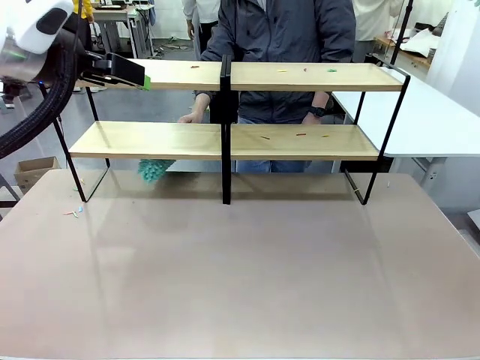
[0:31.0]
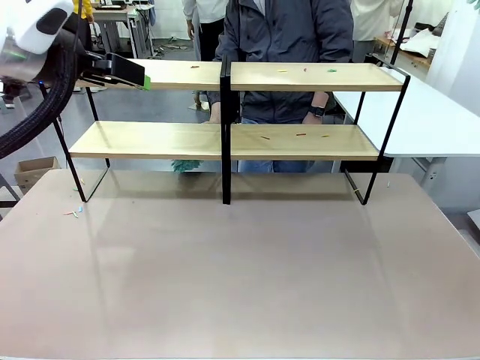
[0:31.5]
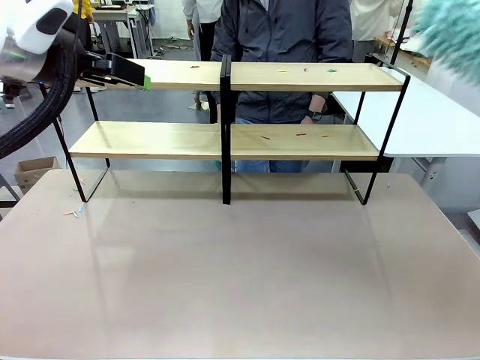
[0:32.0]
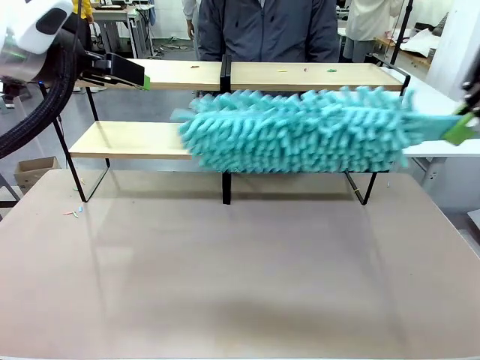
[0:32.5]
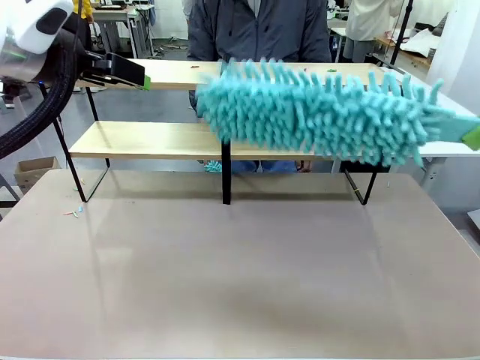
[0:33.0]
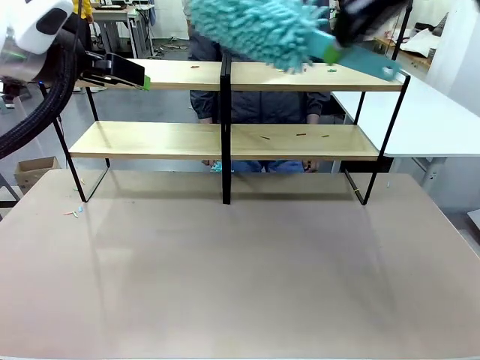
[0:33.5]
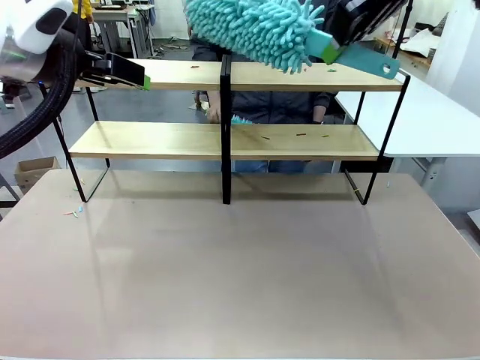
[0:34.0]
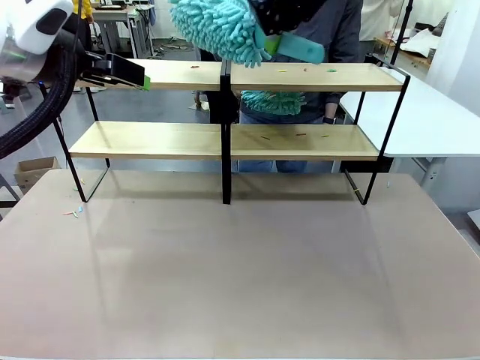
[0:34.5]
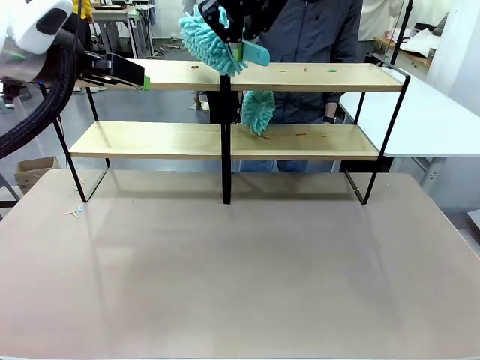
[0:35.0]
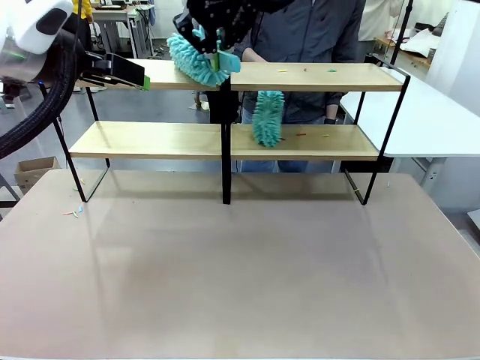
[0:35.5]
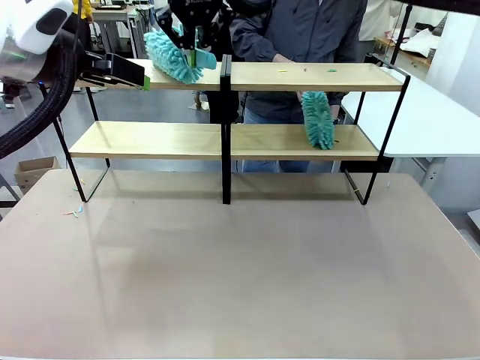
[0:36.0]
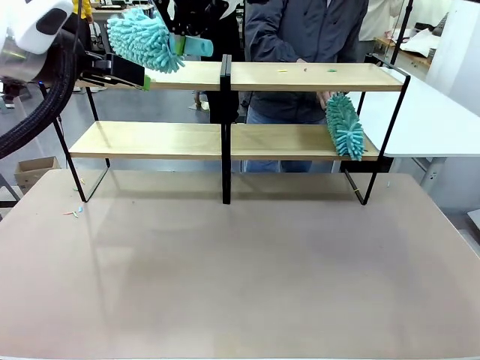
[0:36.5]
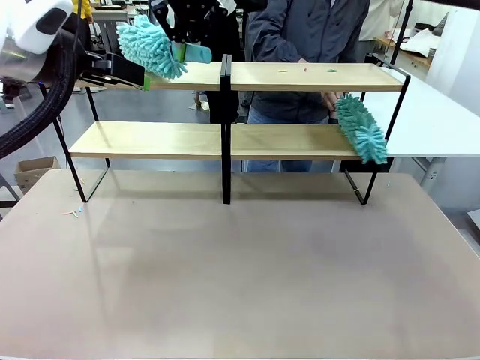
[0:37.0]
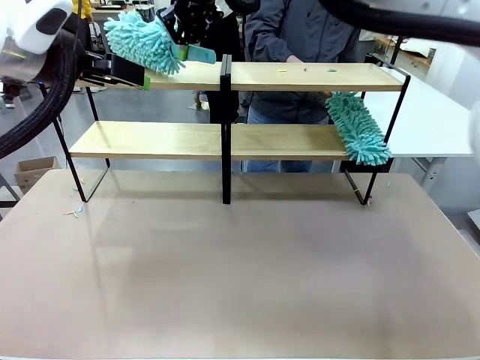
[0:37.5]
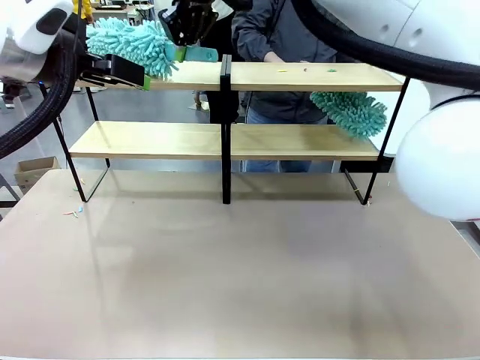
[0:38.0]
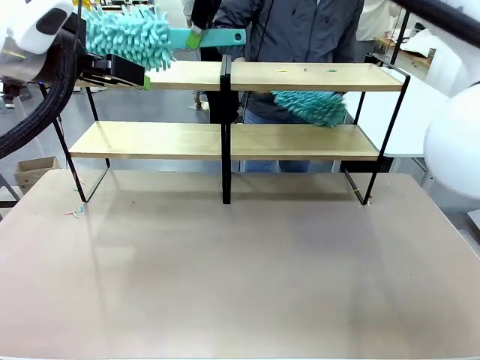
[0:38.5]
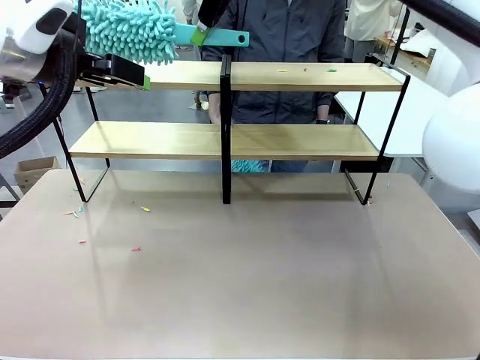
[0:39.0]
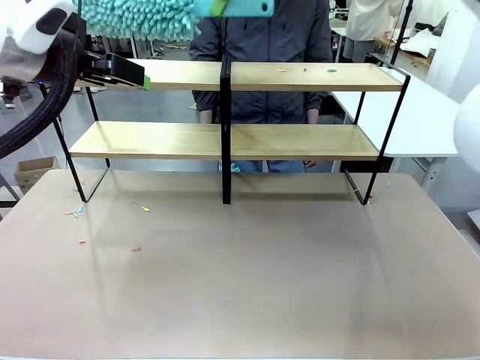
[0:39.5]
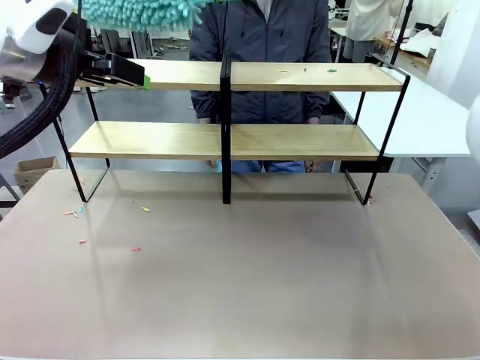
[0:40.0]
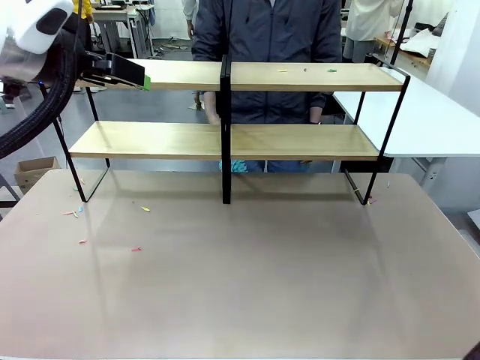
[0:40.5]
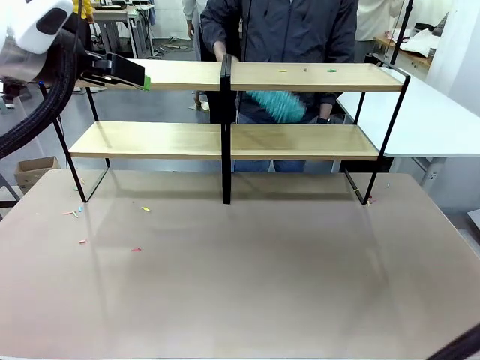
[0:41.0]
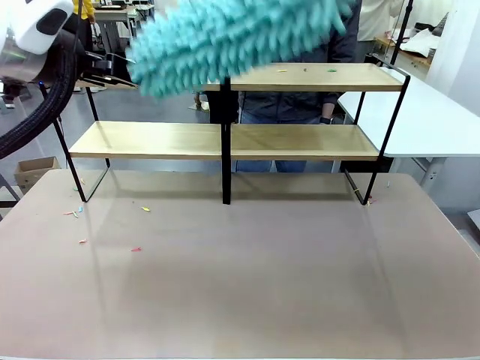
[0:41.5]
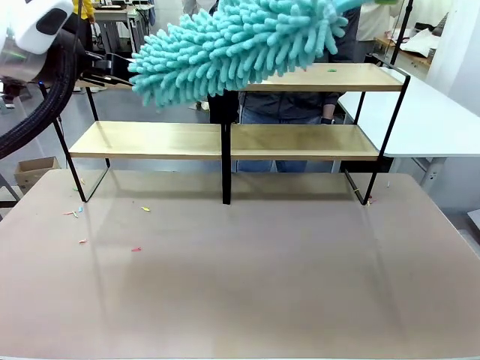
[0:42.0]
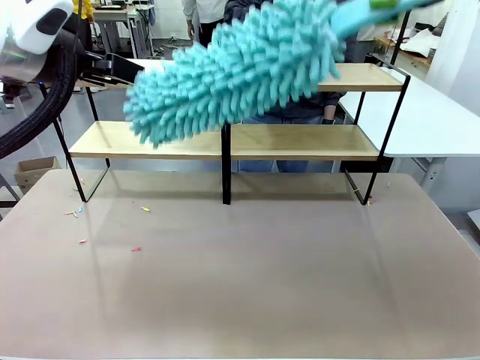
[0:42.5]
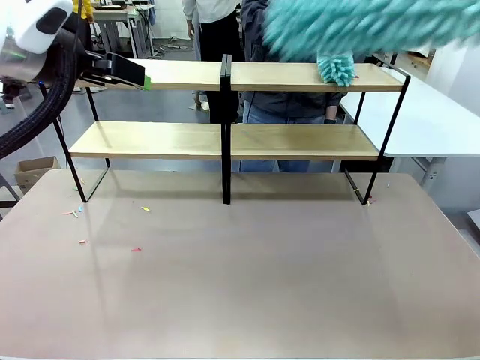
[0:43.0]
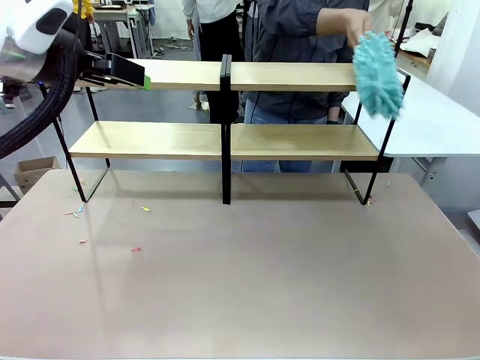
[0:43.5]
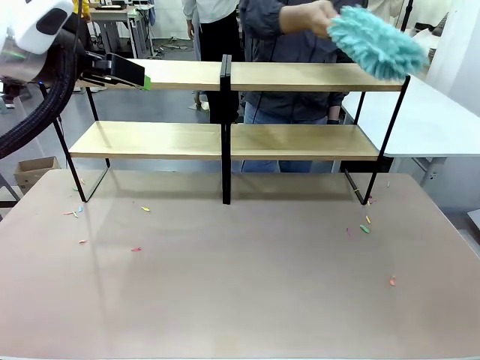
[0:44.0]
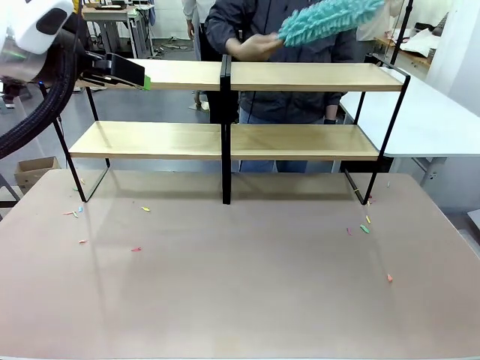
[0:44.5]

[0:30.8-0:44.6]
Task: Clean the shelves.
Robot: Clean another randomly selected level of the Shelf with the Duster.

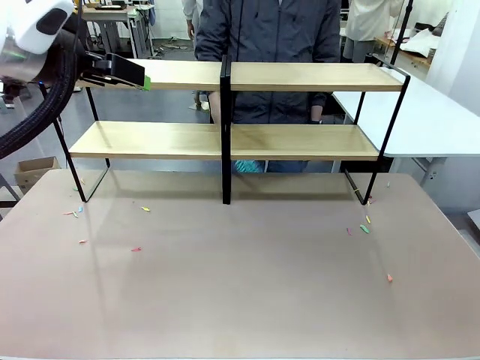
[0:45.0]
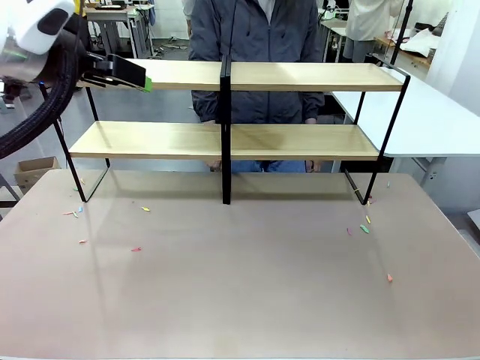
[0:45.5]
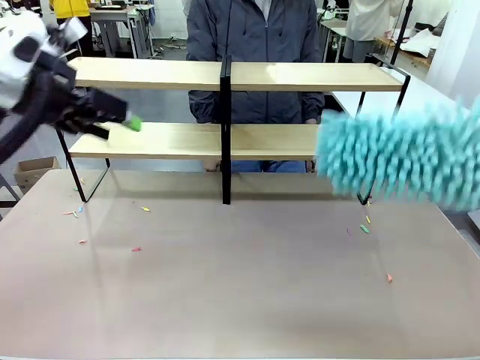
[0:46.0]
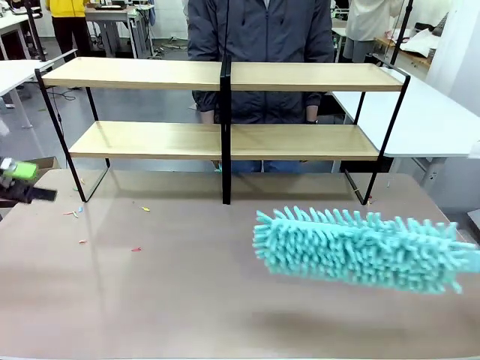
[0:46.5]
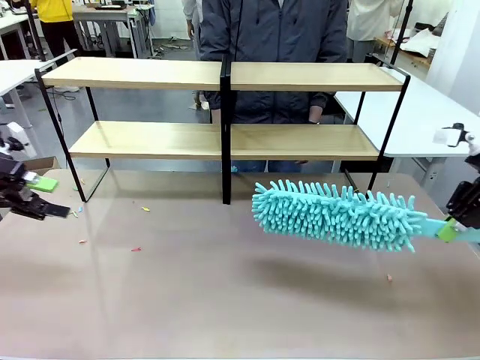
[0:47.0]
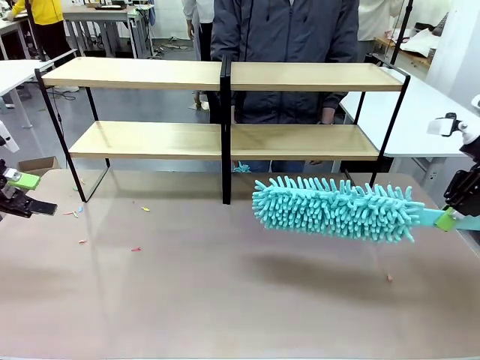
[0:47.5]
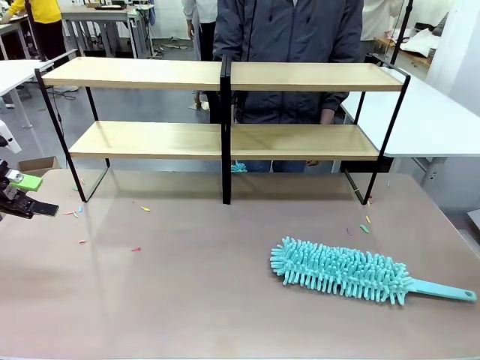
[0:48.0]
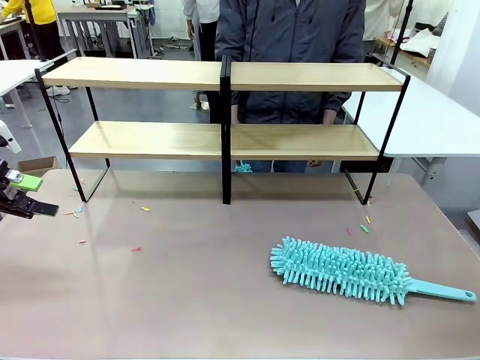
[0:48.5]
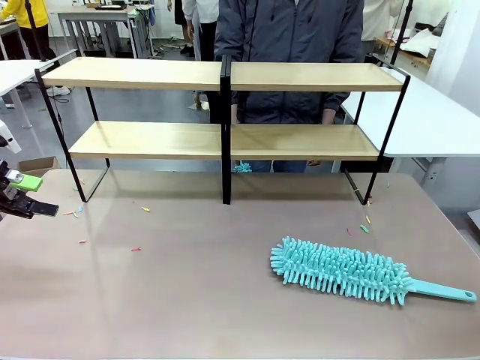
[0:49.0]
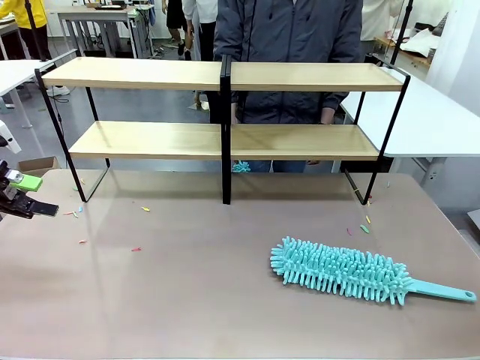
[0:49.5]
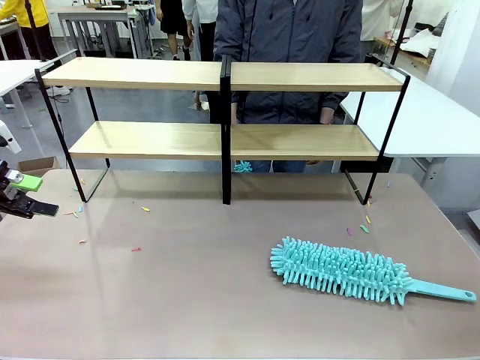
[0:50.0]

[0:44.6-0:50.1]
Robot: Place the Duster on the table.

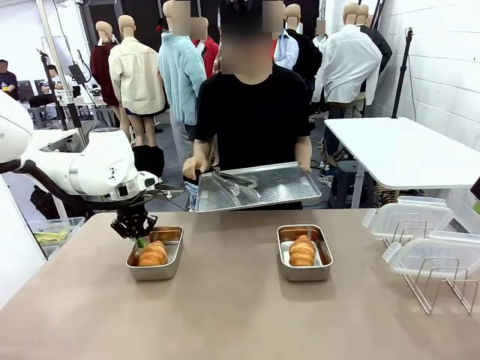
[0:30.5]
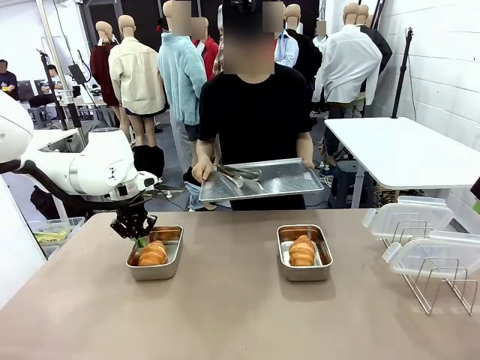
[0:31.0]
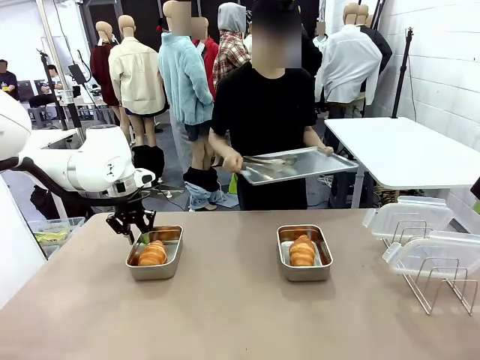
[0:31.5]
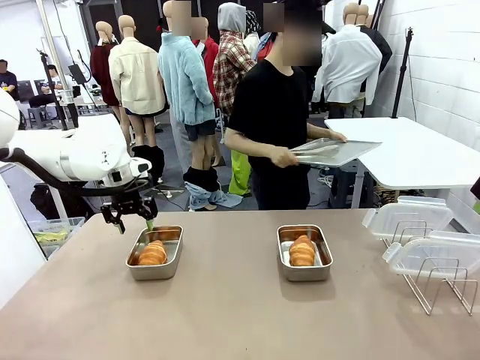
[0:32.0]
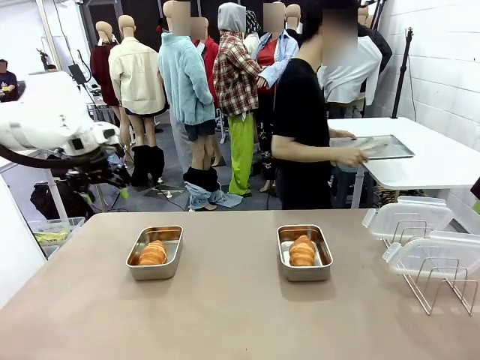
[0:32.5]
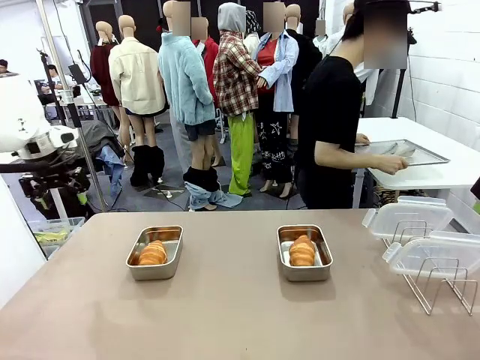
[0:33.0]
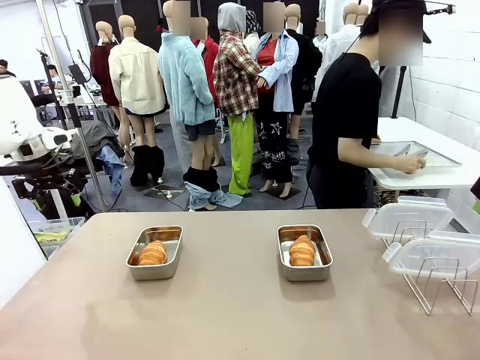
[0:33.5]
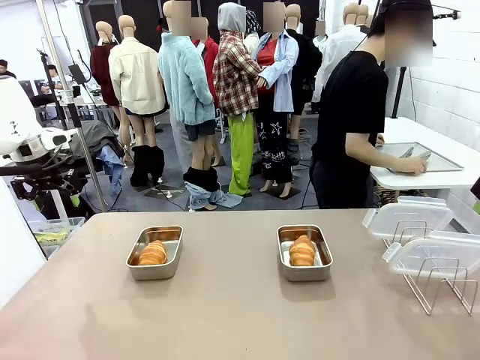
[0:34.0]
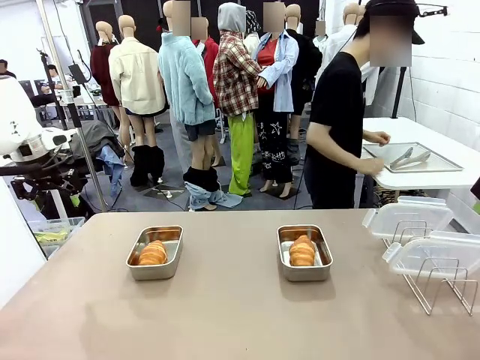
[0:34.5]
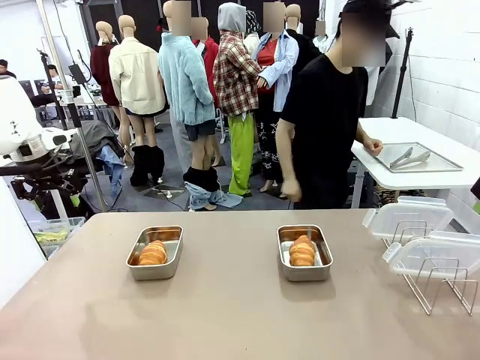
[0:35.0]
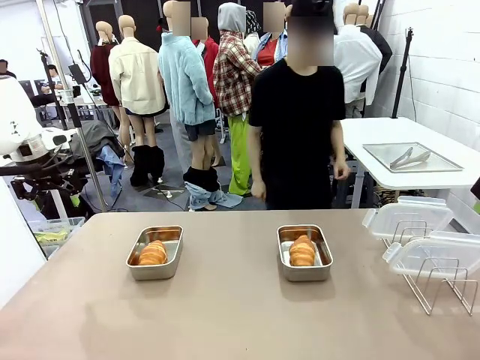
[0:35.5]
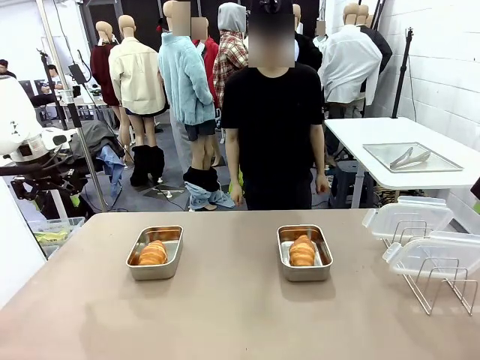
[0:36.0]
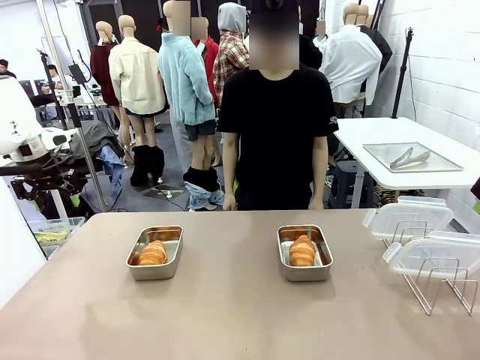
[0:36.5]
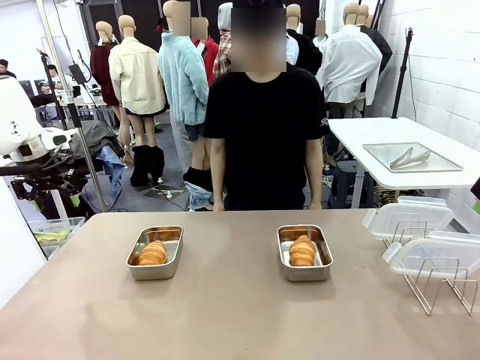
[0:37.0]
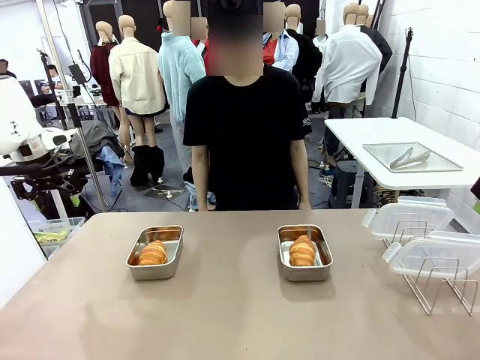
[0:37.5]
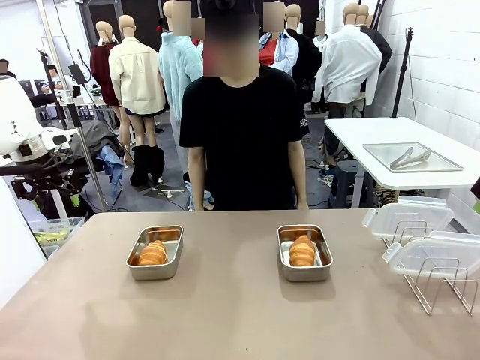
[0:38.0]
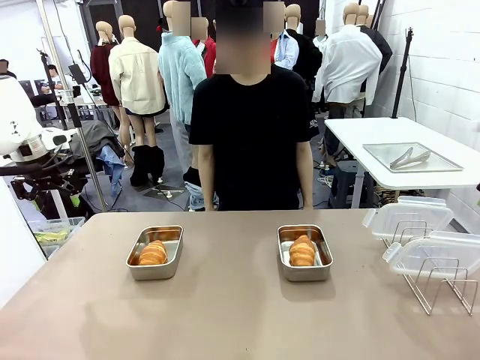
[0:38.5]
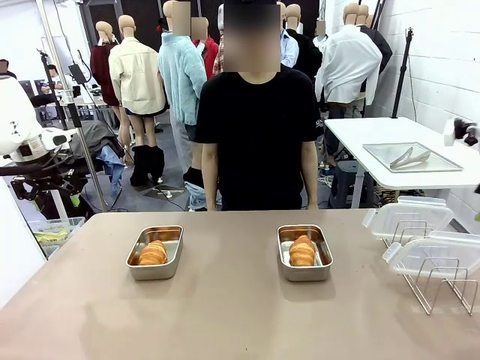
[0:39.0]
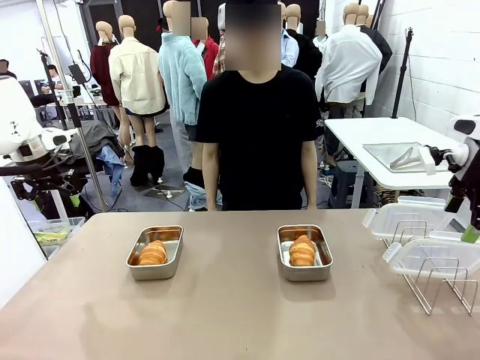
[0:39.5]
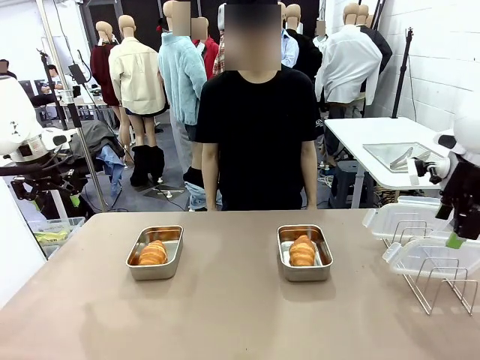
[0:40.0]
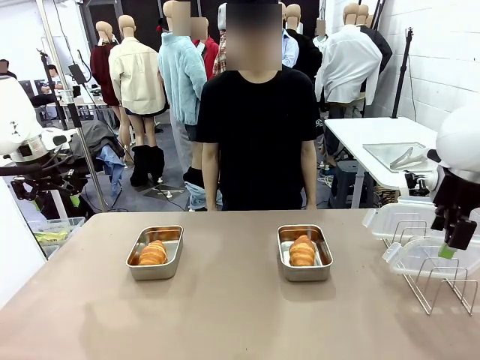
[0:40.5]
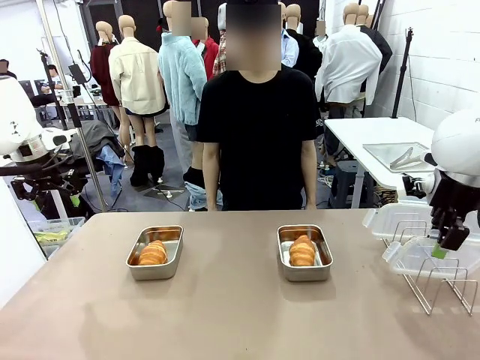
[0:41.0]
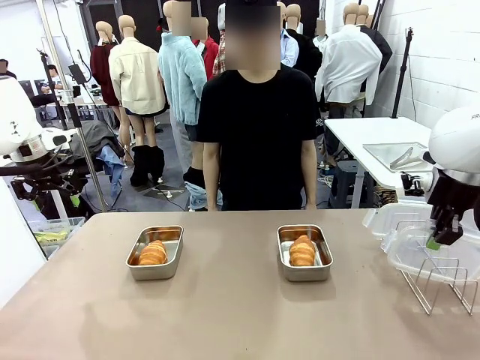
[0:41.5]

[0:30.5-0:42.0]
Task: Place the bread in airtight containers.
Robot: Pick up one Airtight Container lid and hand it to the human.
Person: Place Baking Sheet on the Human's Table.
